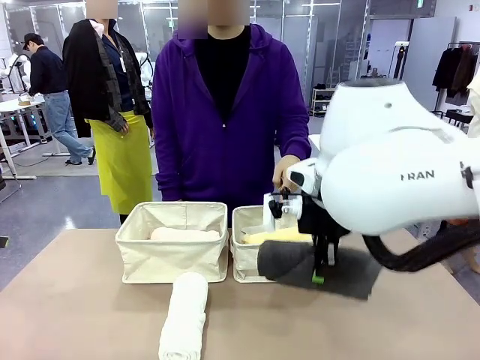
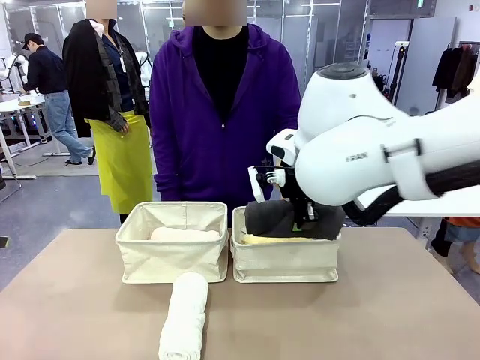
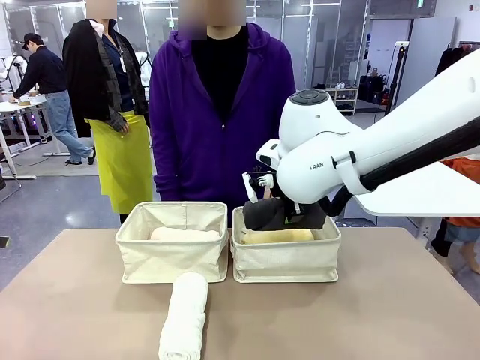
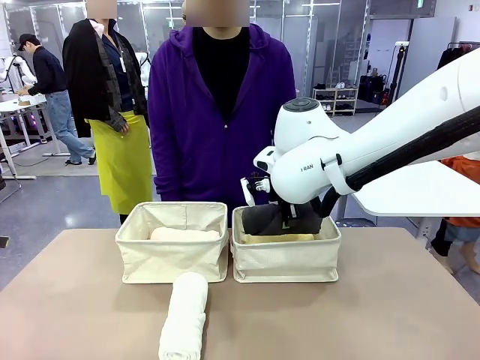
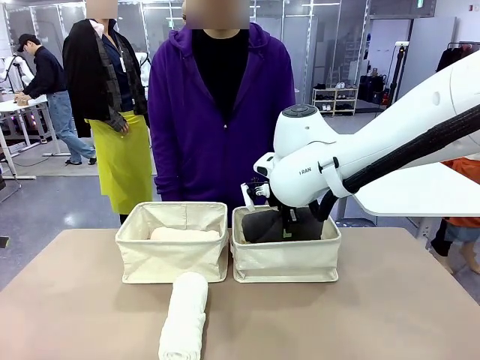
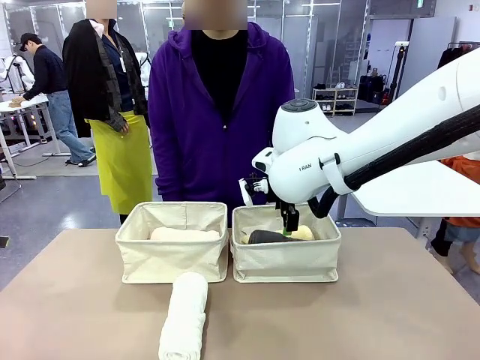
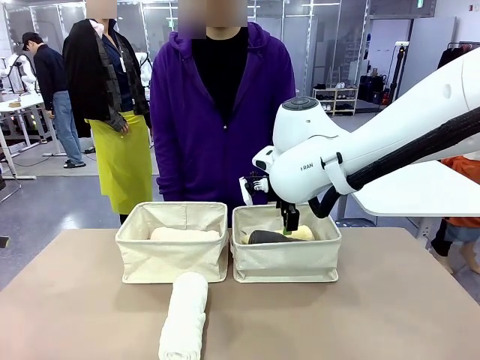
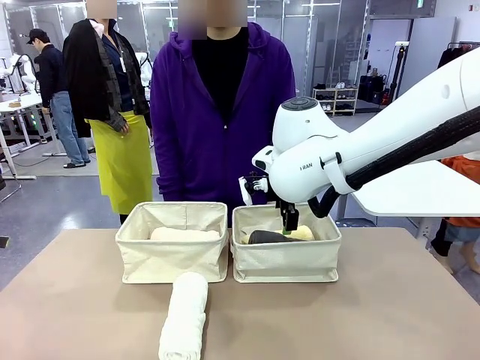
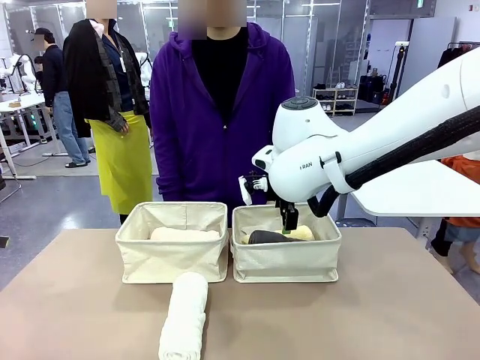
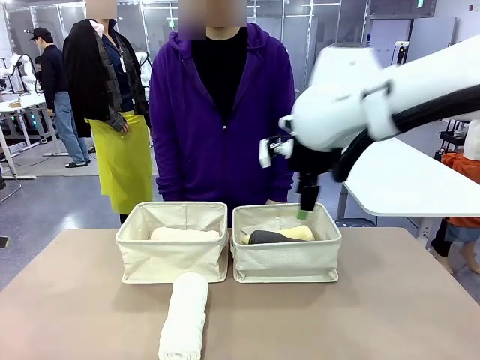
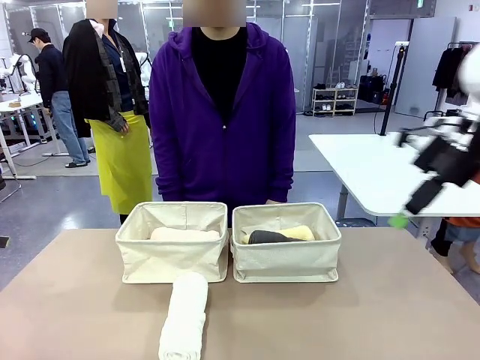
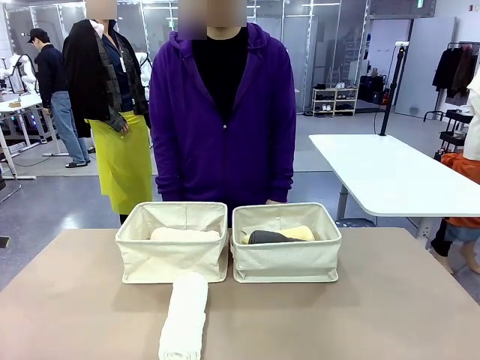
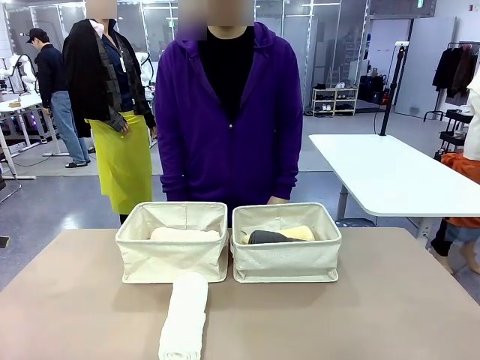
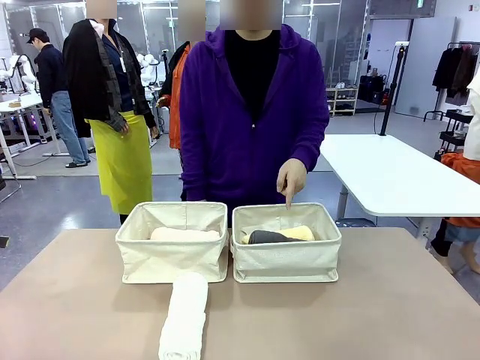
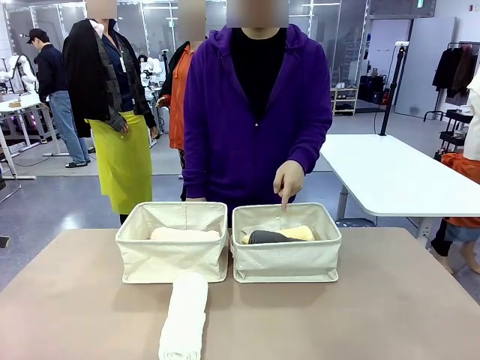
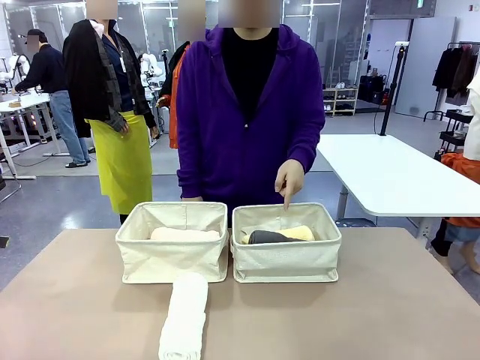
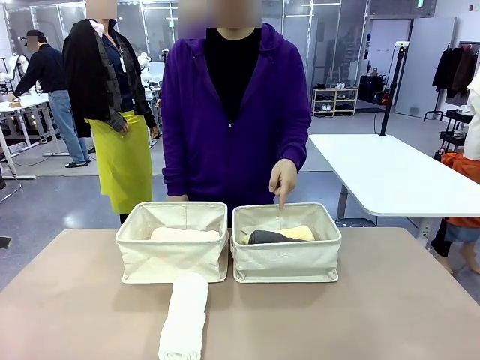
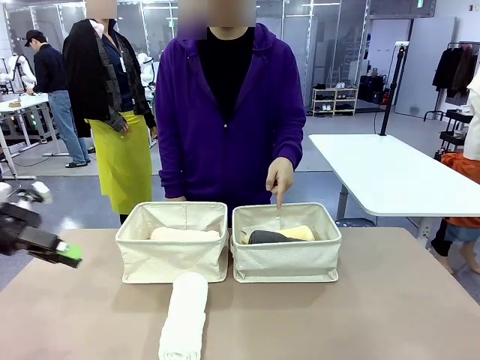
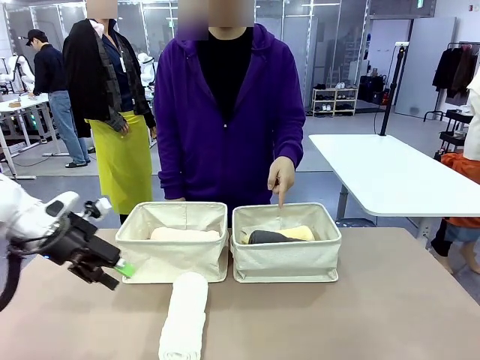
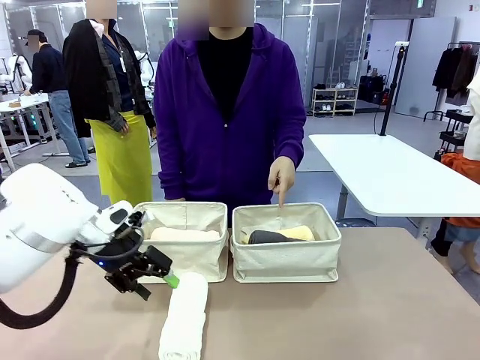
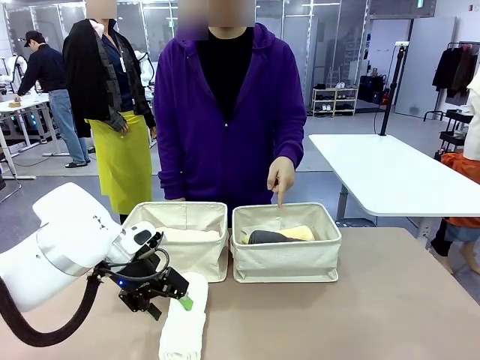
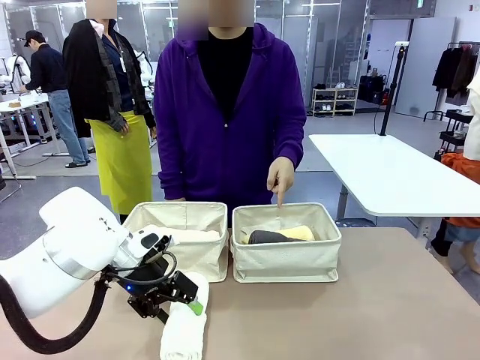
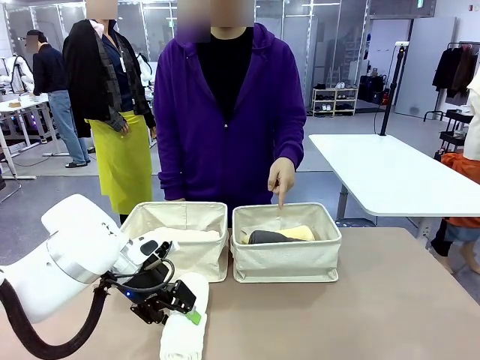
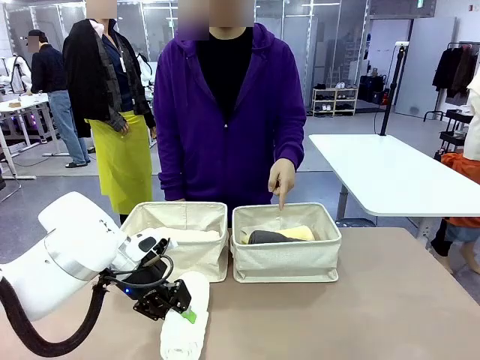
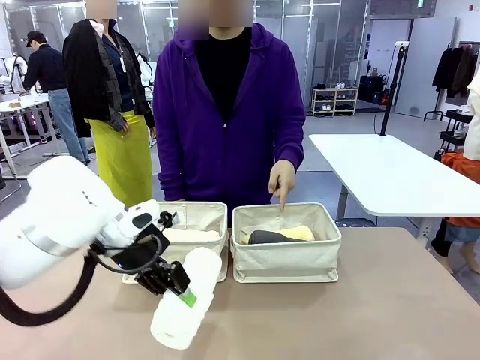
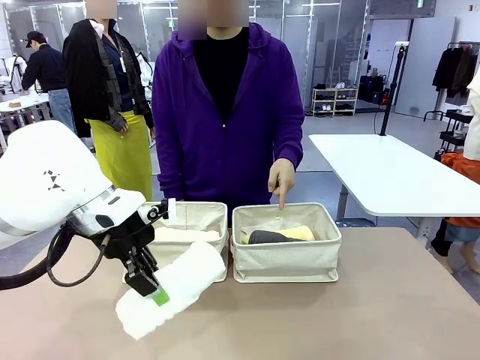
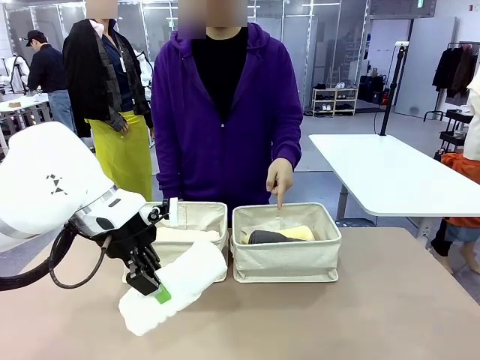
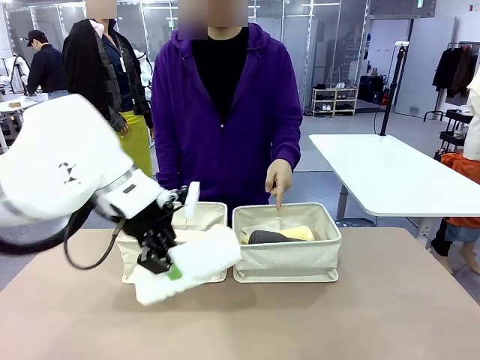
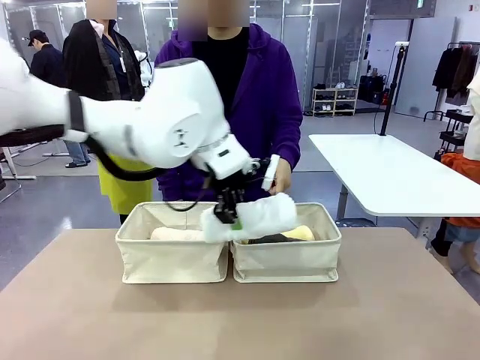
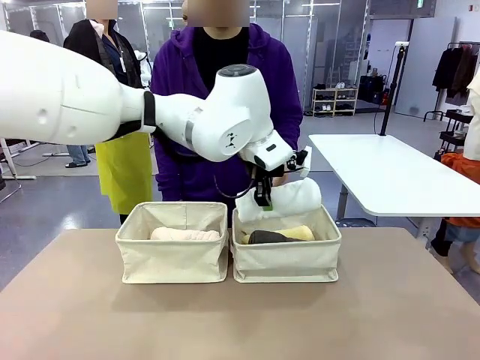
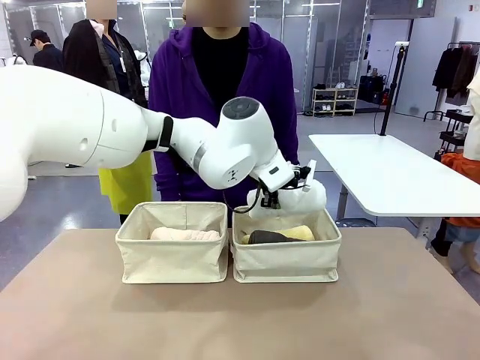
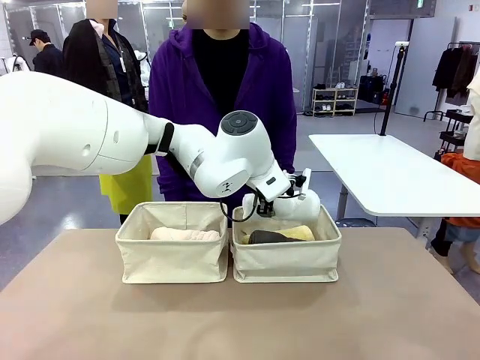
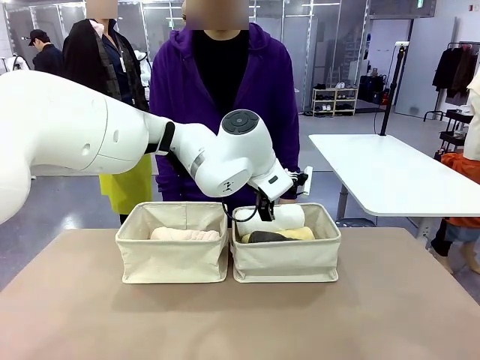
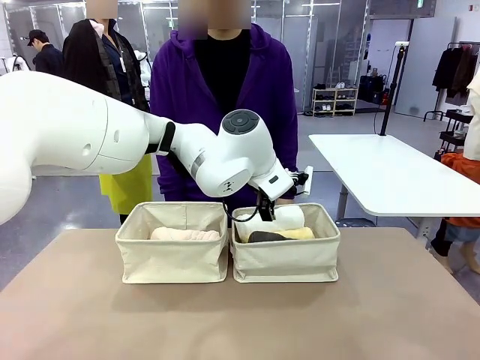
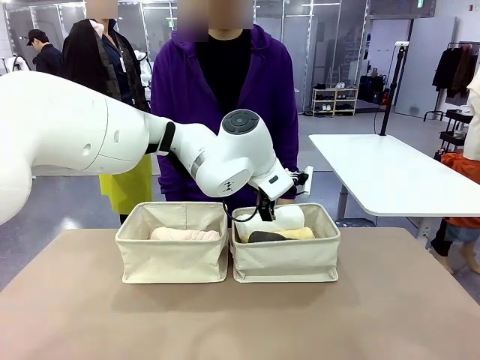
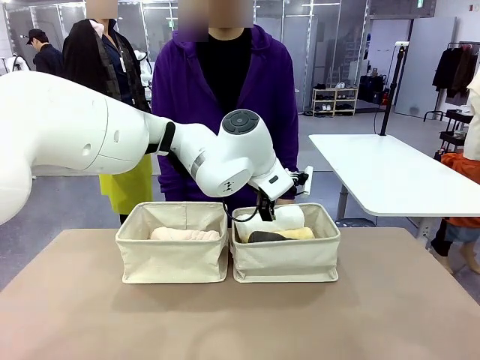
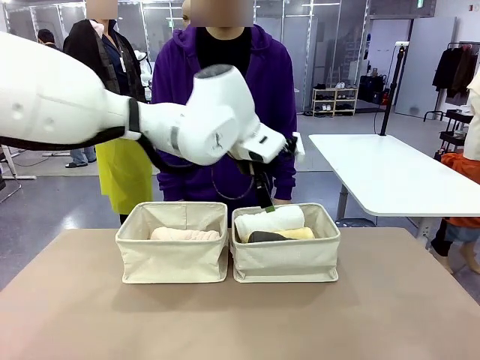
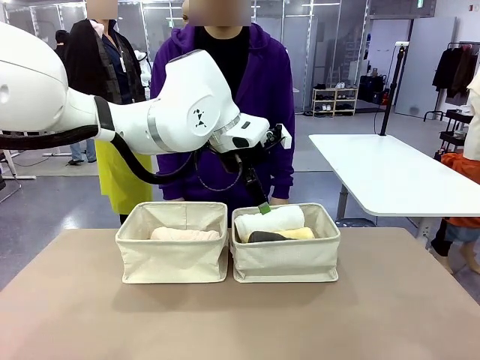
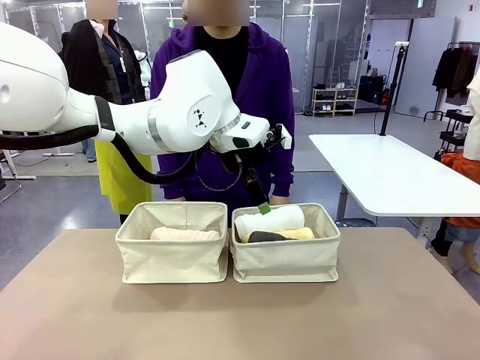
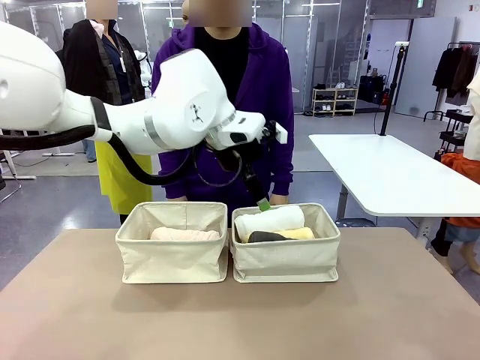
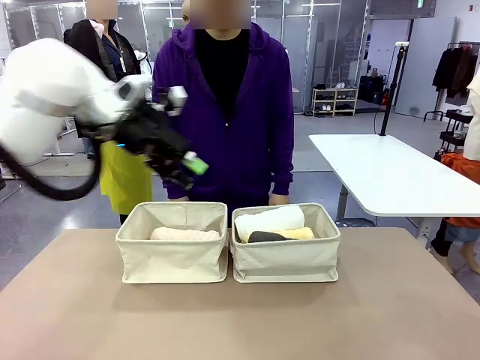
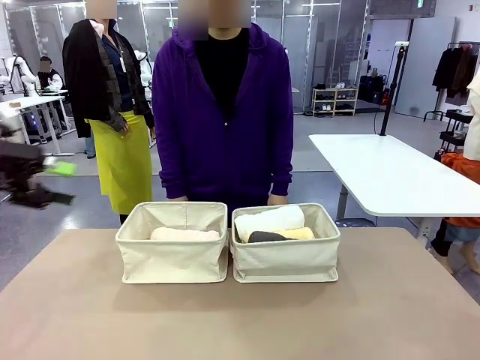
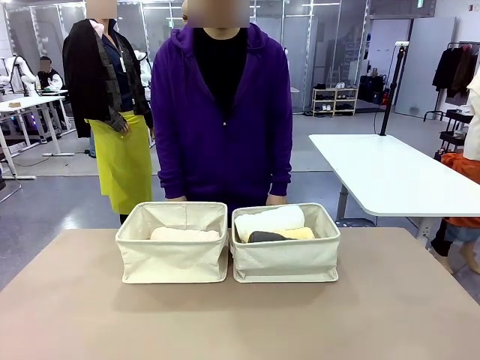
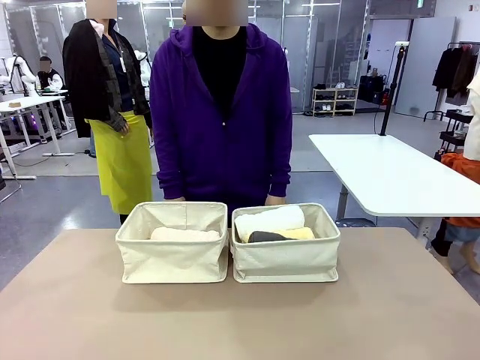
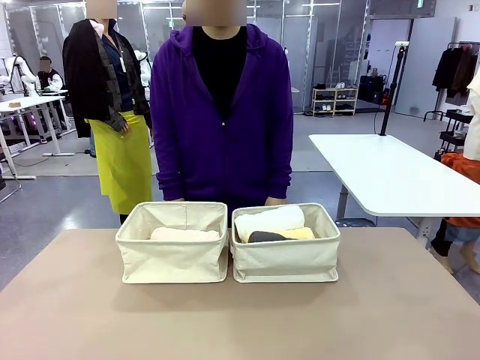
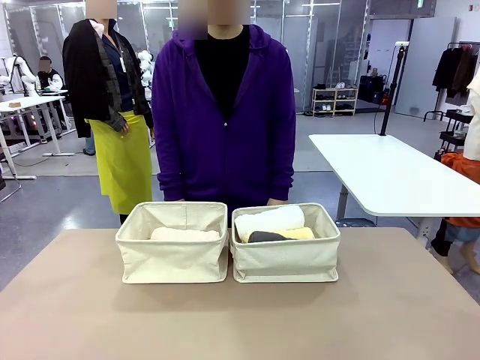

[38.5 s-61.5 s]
Task: Divide the towels into two baskets.
Robot: Pick up one hotel-folded towel from the bottom of the table and place it in the Fabric basket indicated by the person.

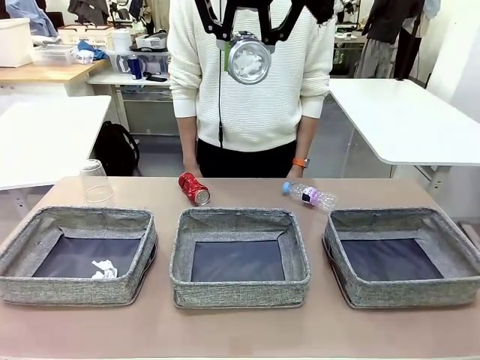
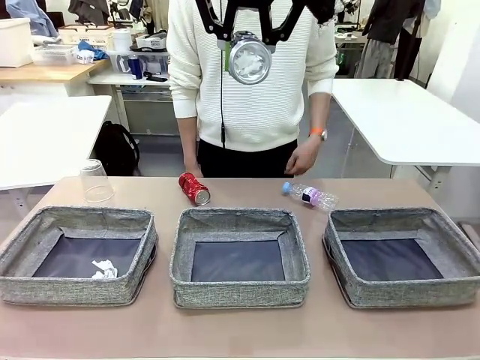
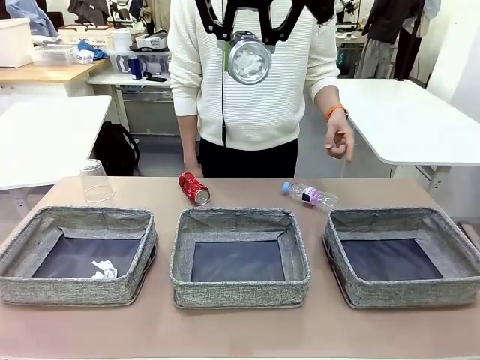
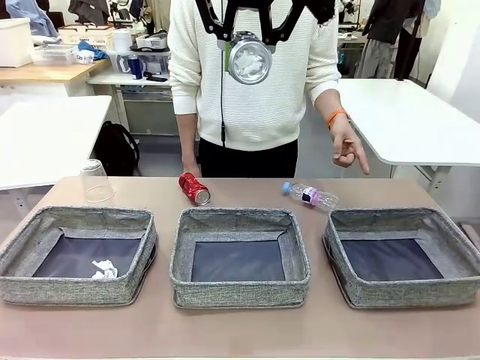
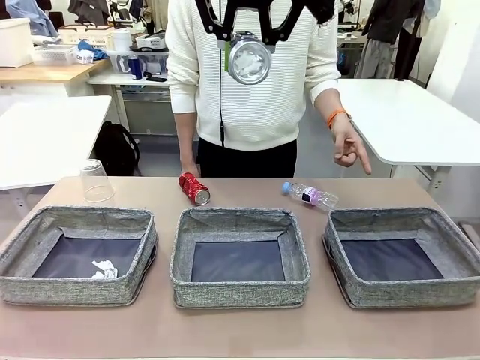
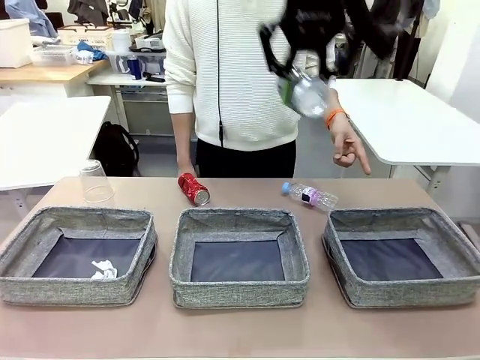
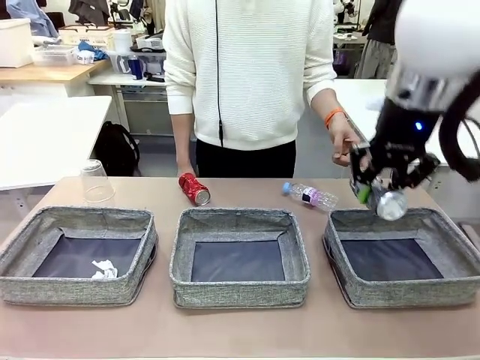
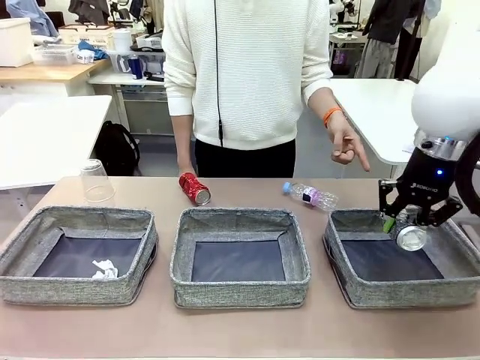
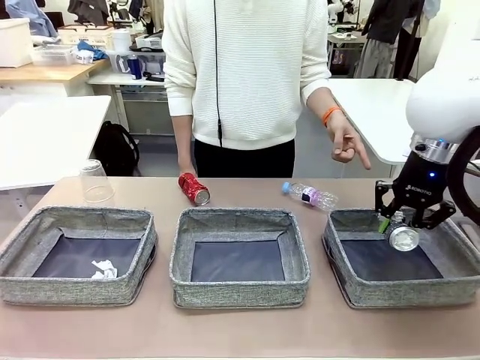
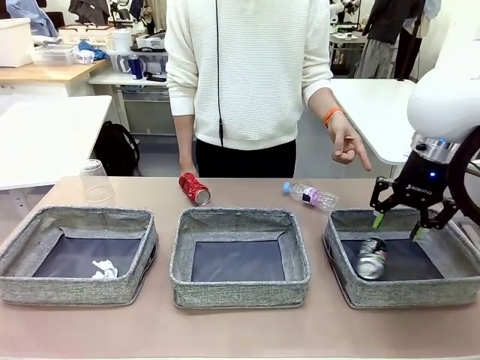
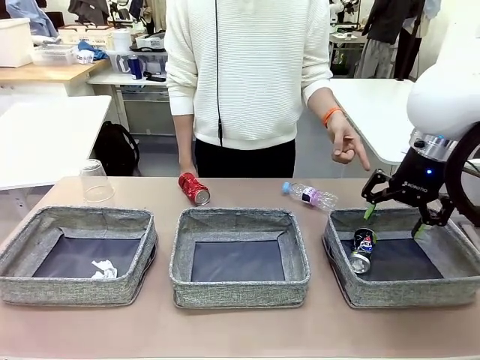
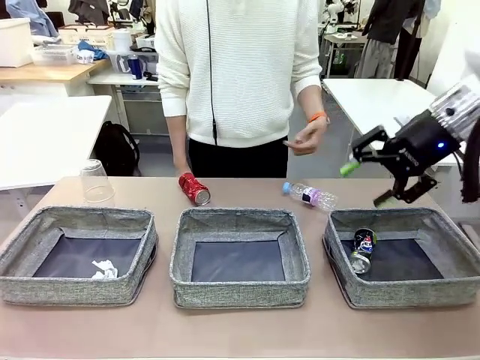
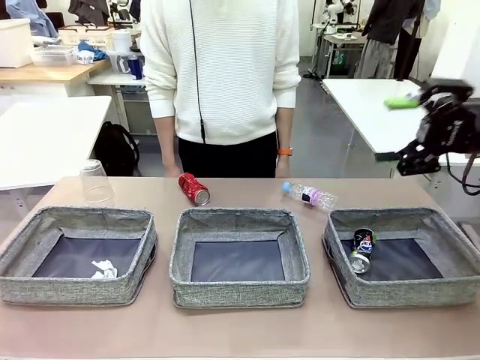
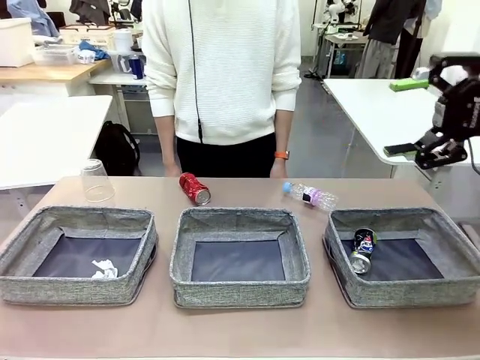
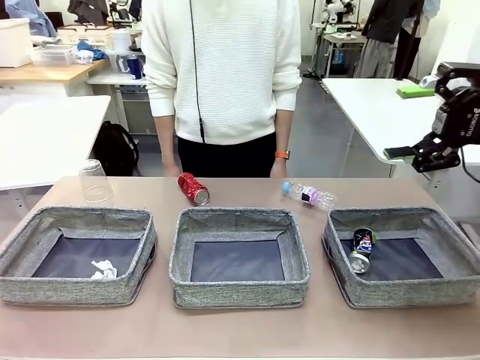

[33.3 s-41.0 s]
Task: Sort the waste into the appropriate baskets.
Robot: Place the picked waste into the Fabric basket indicated by the person.
Person: Instructs the robot to place the picked-up trash into the appropriate organizing basket.
